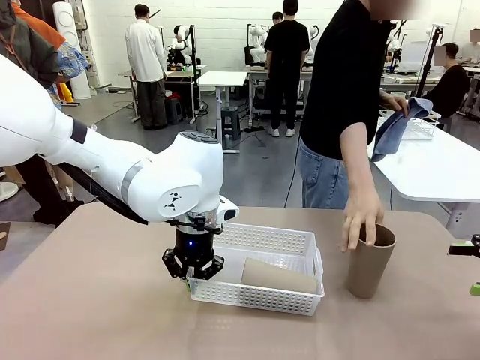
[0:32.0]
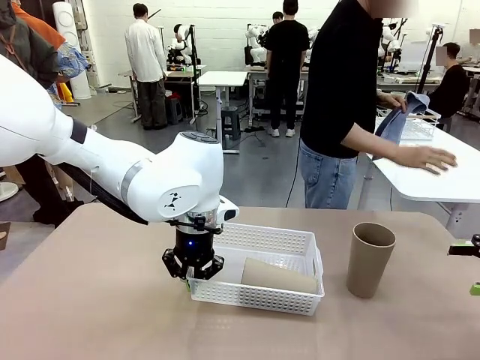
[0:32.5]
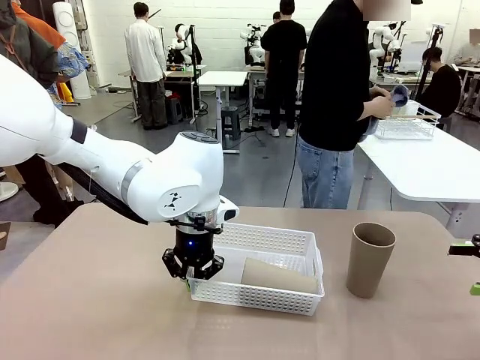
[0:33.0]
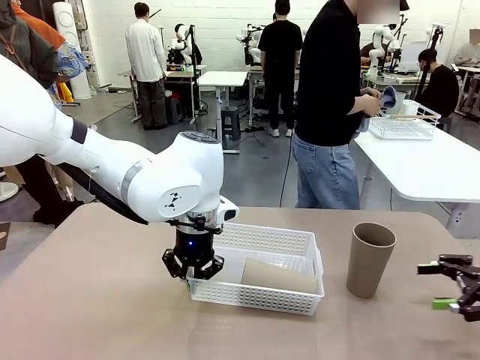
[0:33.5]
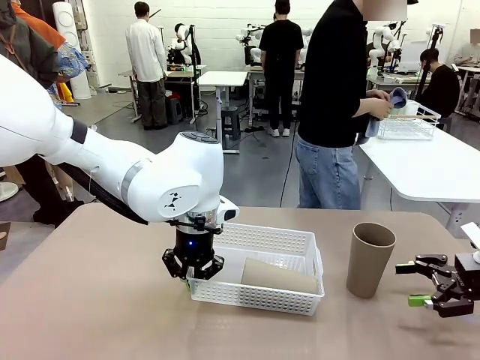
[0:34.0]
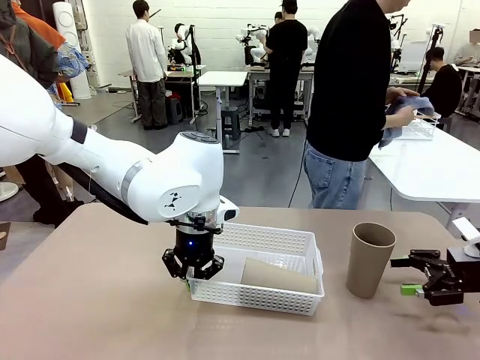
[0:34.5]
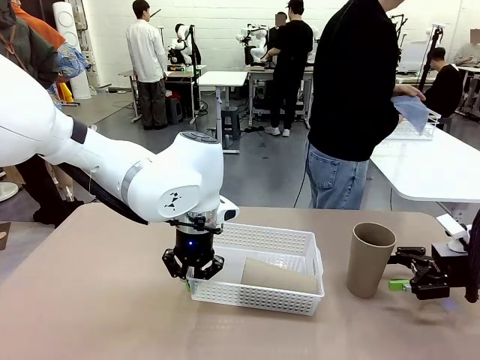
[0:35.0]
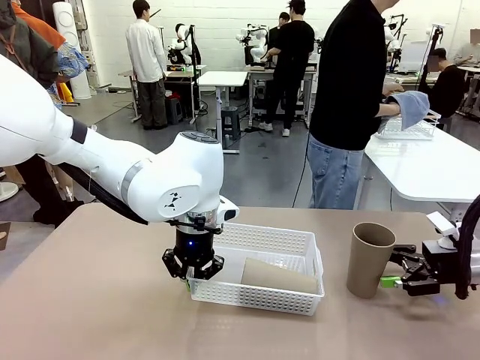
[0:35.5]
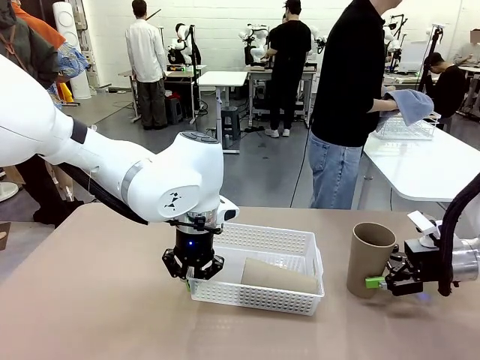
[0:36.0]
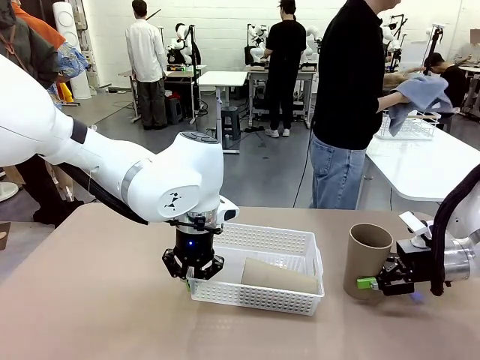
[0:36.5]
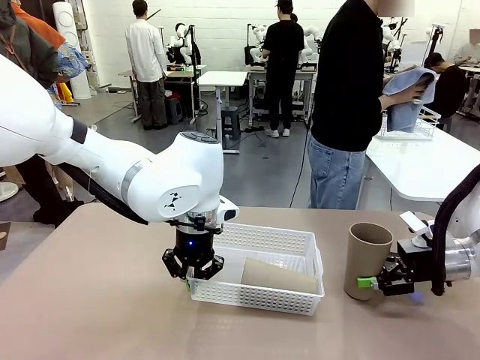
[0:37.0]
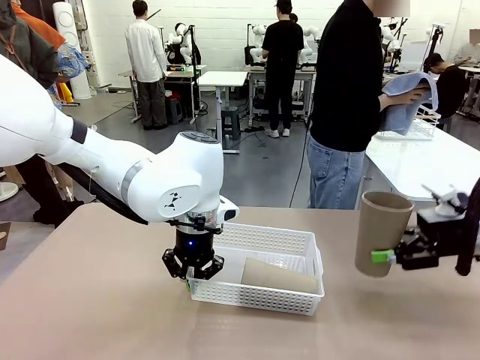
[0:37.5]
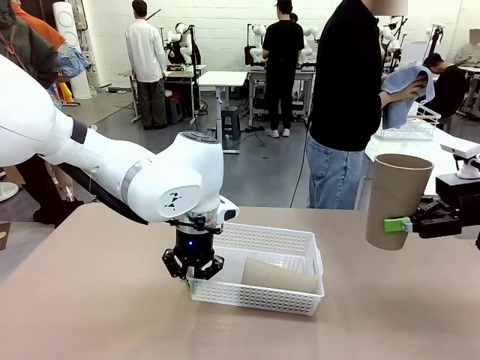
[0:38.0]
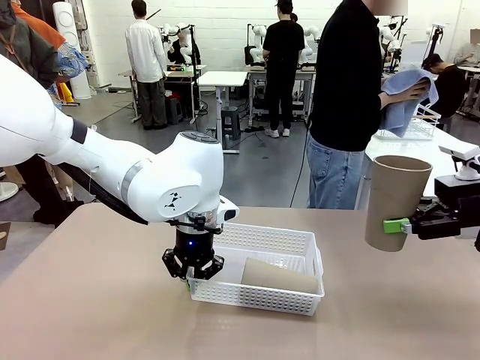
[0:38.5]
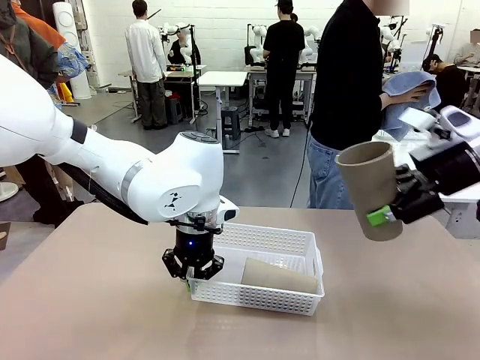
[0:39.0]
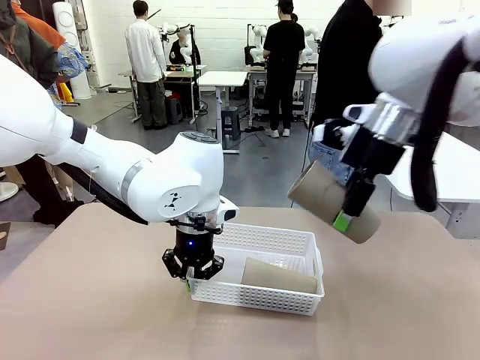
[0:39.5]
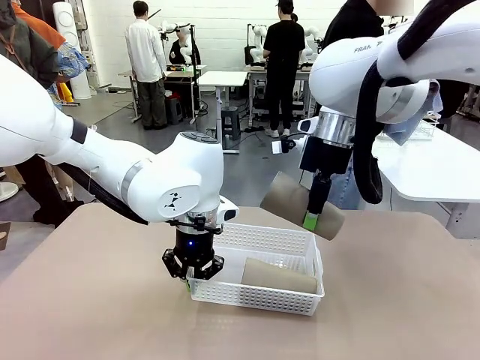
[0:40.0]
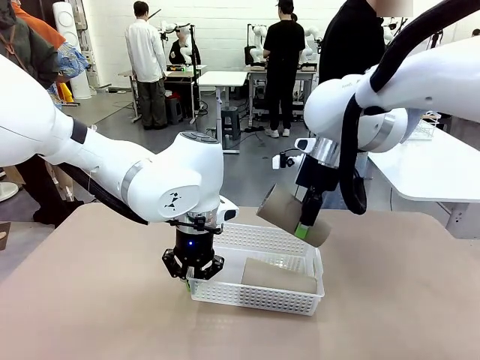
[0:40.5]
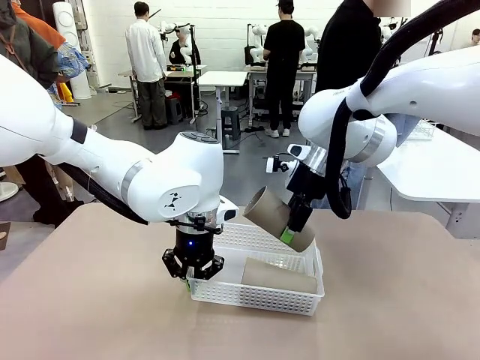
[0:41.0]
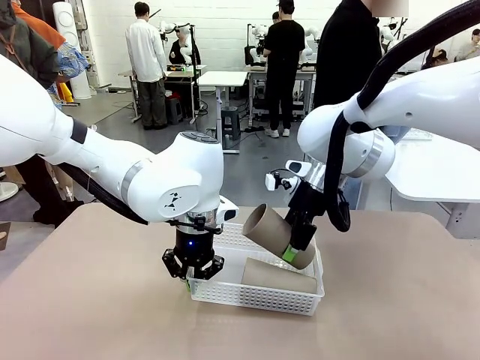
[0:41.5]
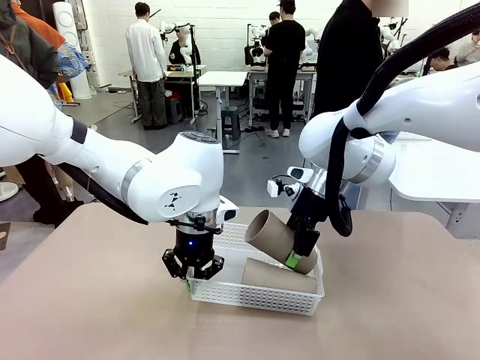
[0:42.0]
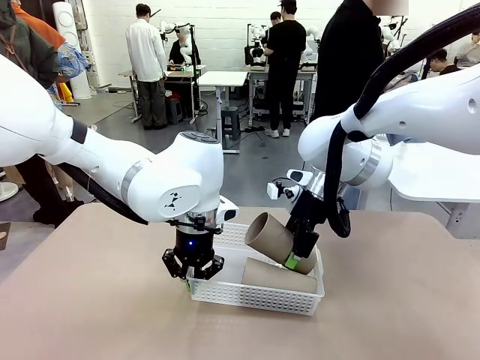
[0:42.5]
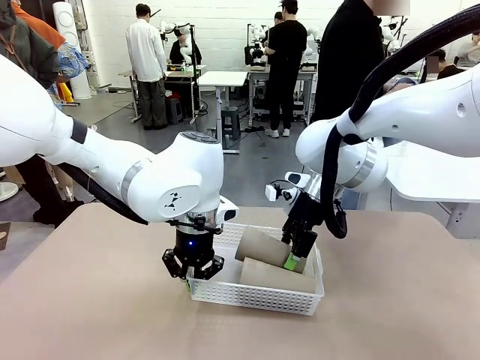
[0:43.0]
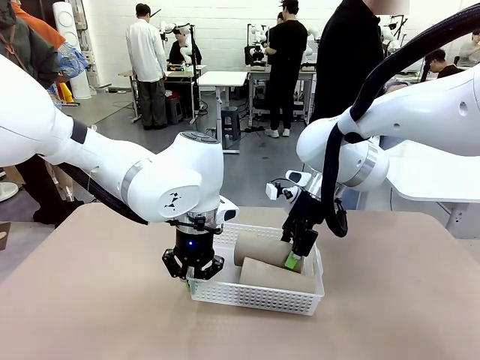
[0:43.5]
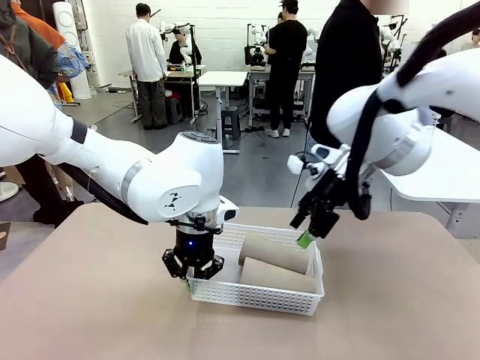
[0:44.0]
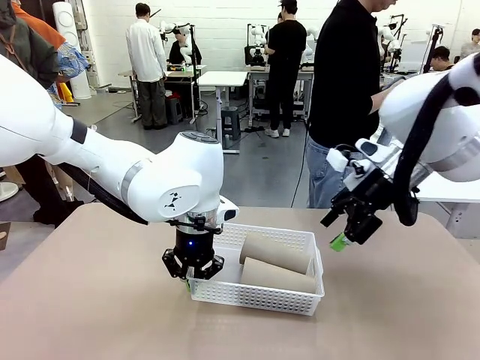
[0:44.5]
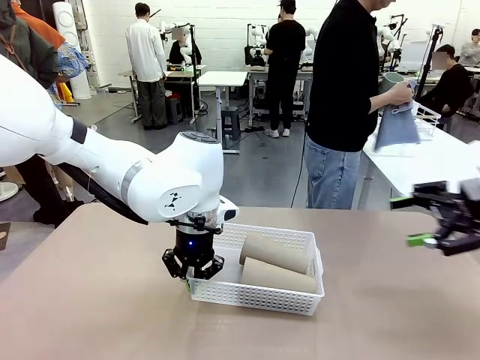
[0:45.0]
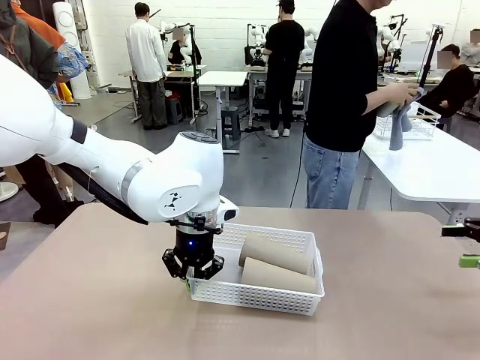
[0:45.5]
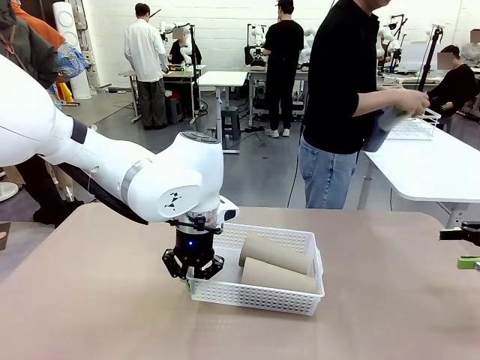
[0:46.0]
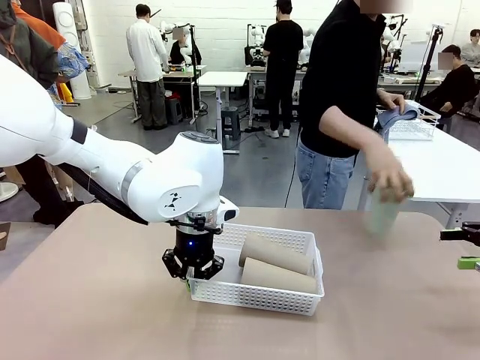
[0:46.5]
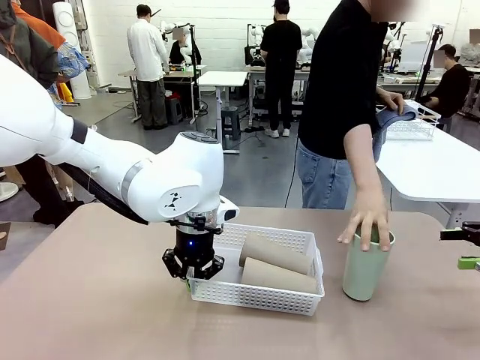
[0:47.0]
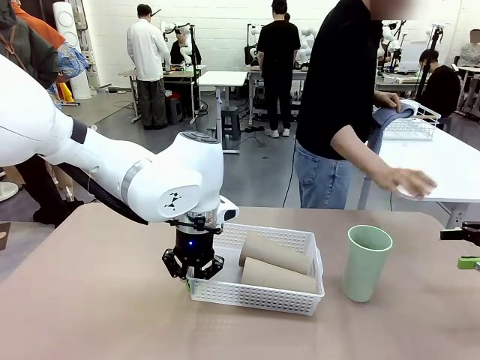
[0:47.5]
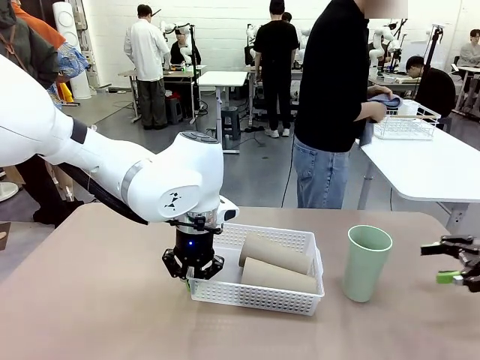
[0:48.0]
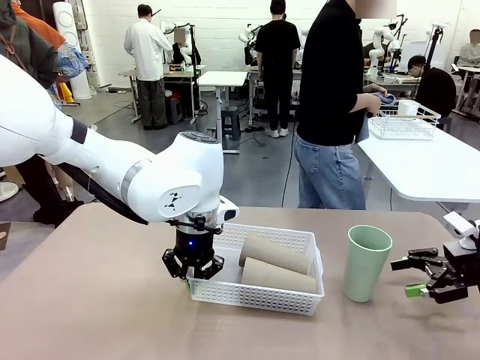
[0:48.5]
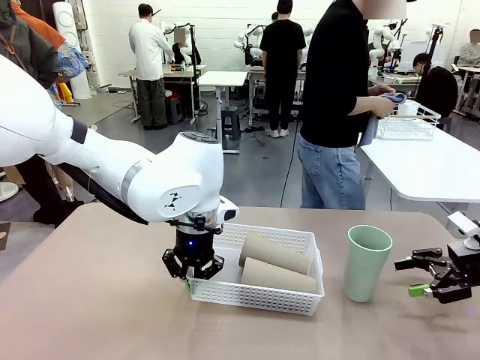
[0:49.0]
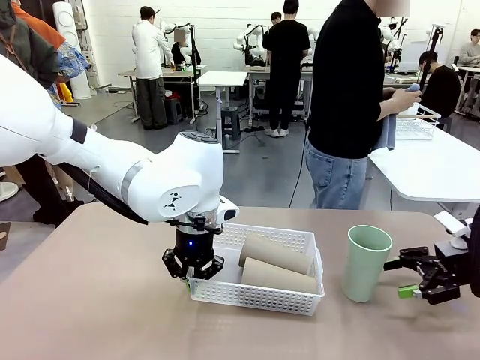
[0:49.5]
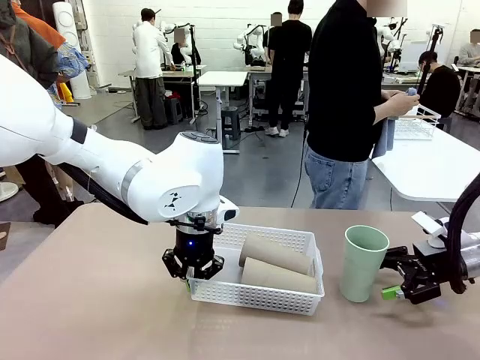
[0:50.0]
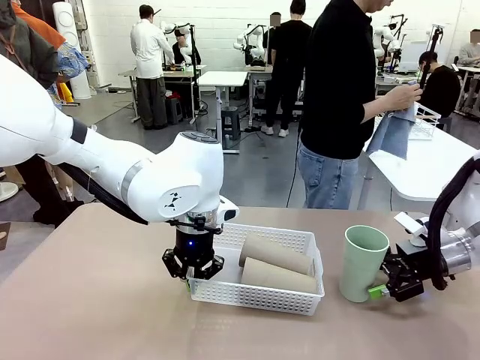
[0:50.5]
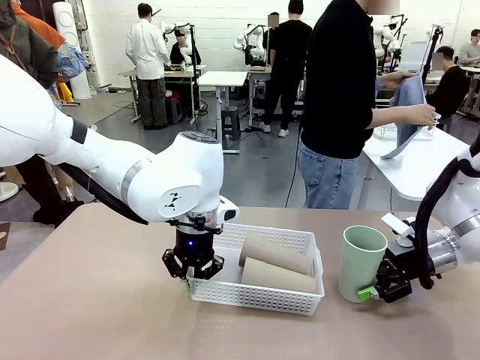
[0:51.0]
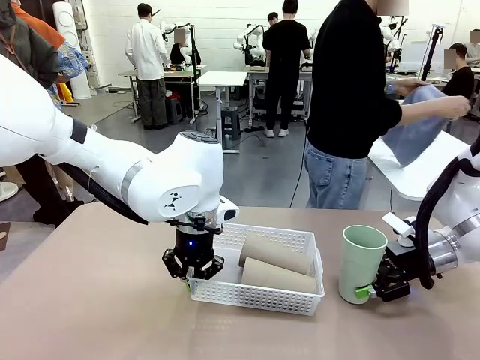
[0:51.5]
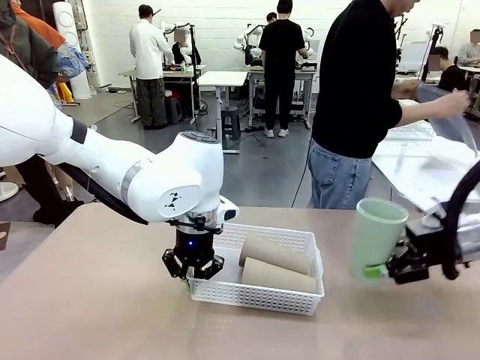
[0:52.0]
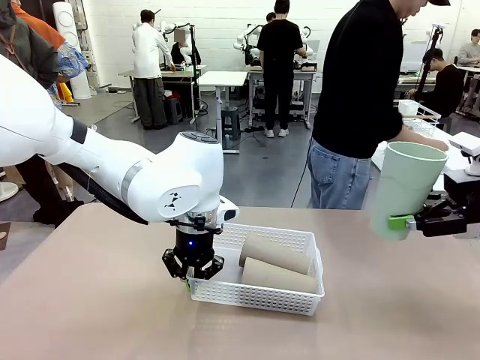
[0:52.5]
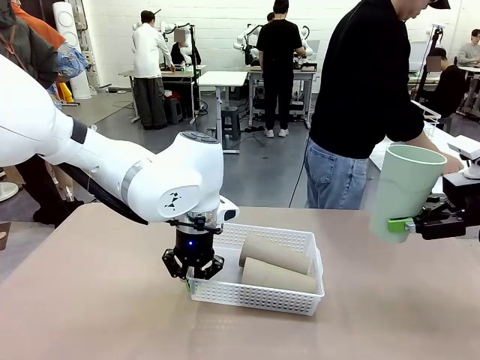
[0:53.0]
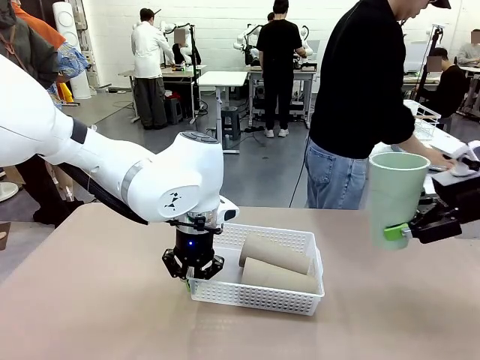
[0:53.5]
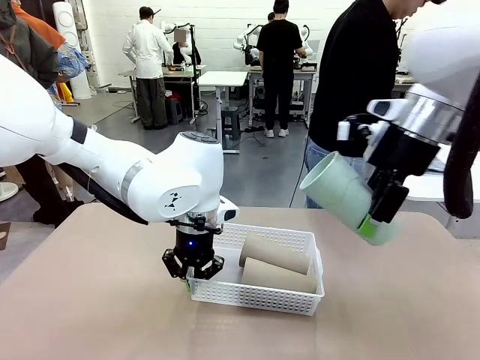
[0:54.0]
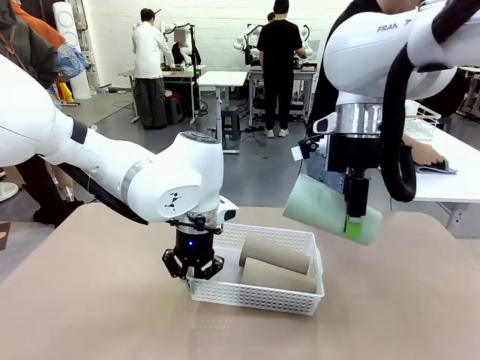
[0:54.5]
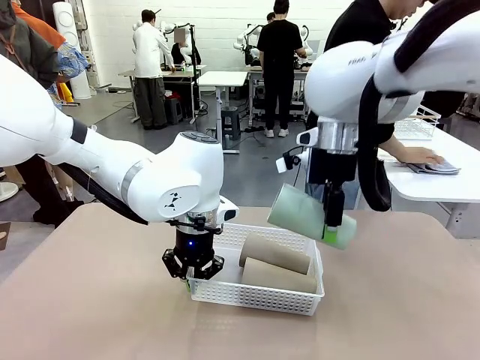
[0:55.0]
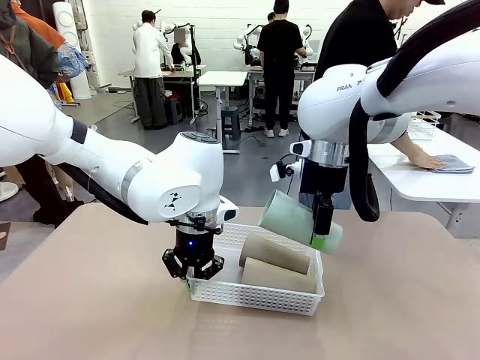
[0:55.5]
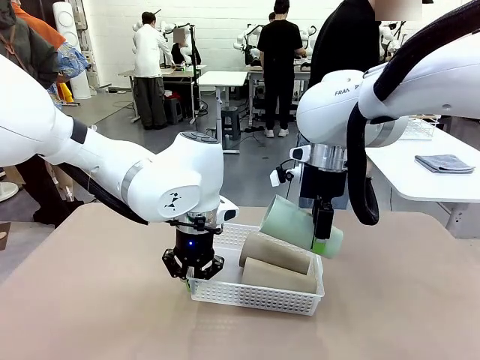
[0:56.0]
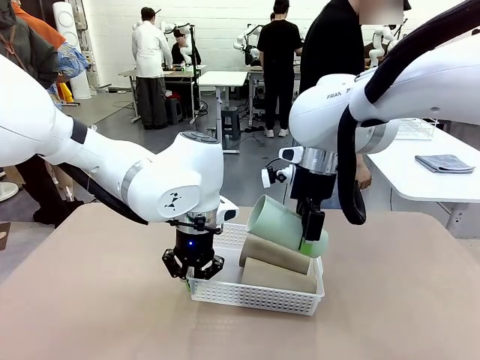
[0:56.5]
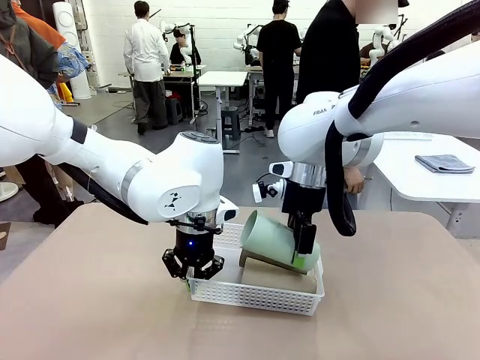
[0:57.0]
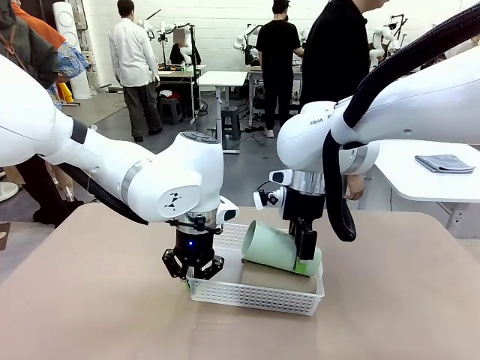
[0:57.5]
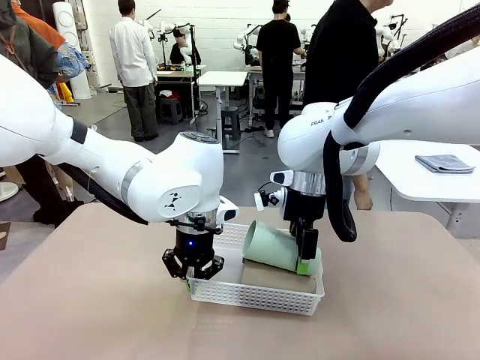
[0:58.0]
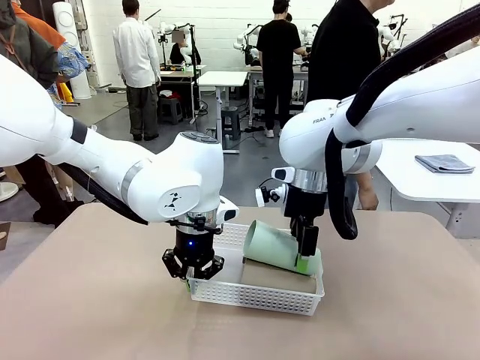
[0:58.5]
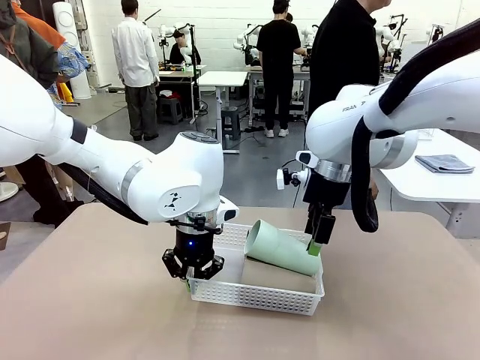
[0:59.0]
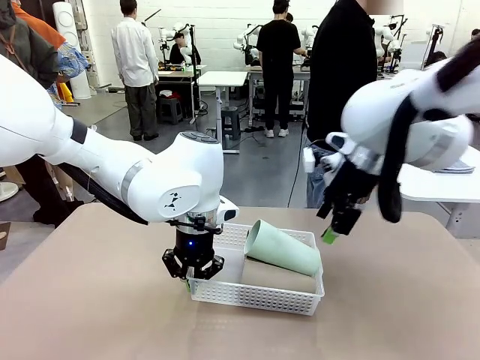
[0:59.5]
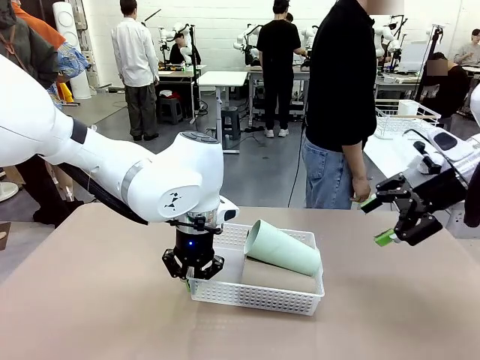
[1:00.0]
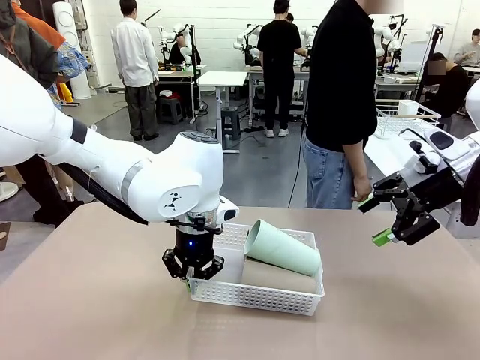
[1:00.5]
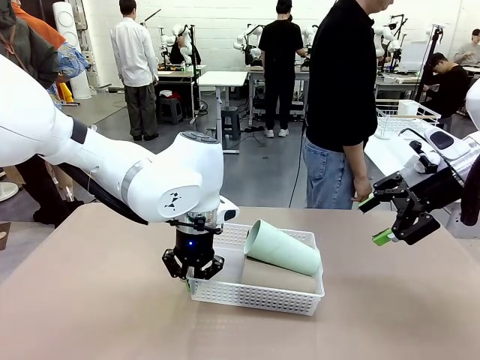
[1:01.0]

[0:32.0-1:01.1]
Task: Clean and organize the cups into the basket.
Robot: Pick up the Reusable plastic cup from the right side of the table and stack it inside the Organizing basket in the center of the table.
